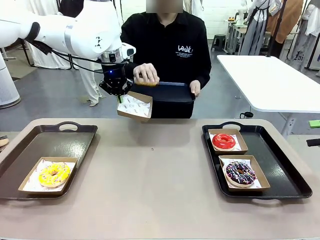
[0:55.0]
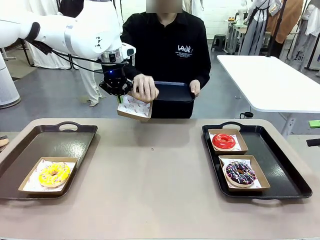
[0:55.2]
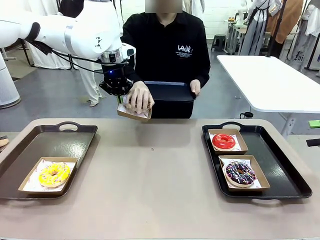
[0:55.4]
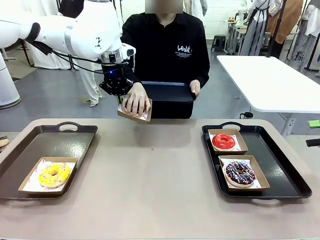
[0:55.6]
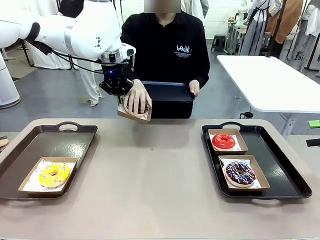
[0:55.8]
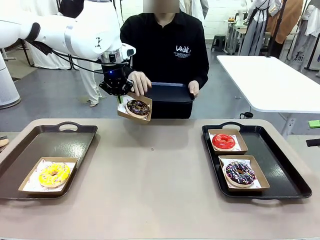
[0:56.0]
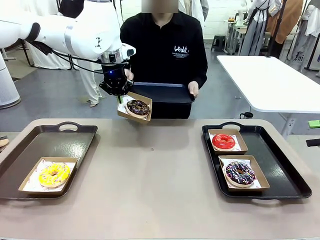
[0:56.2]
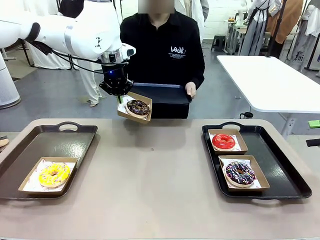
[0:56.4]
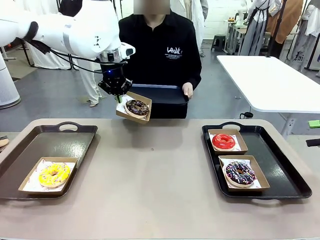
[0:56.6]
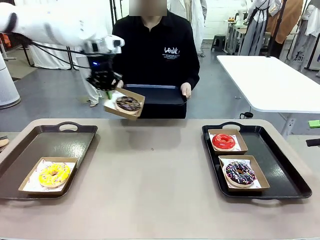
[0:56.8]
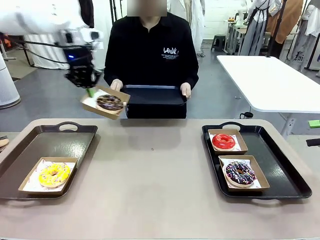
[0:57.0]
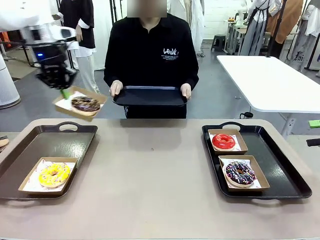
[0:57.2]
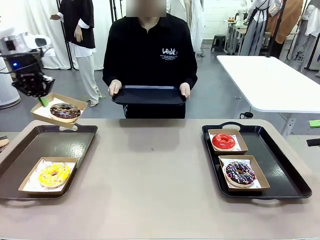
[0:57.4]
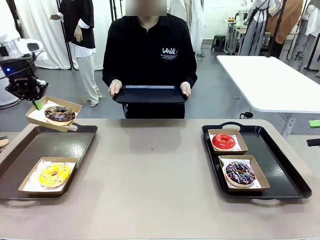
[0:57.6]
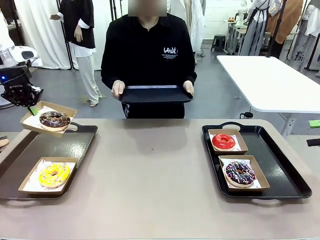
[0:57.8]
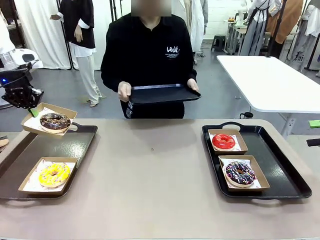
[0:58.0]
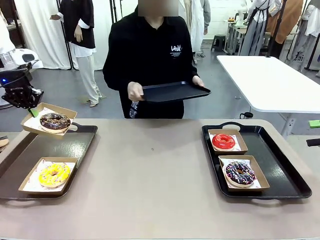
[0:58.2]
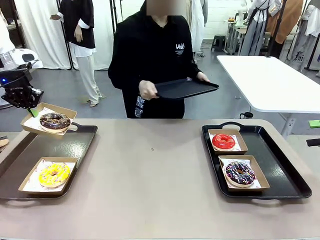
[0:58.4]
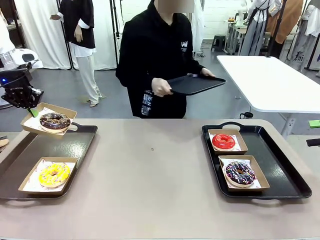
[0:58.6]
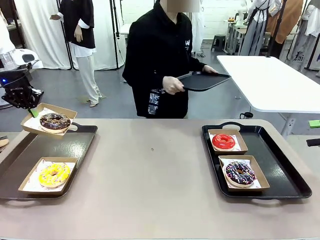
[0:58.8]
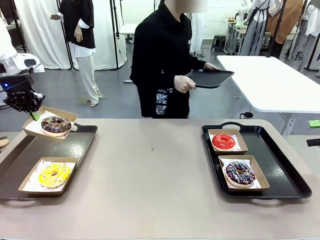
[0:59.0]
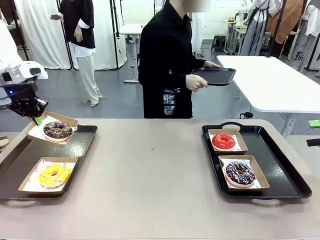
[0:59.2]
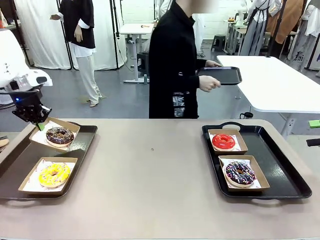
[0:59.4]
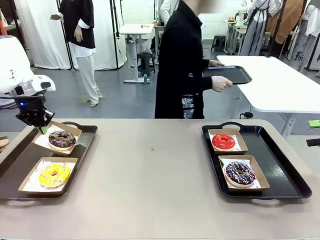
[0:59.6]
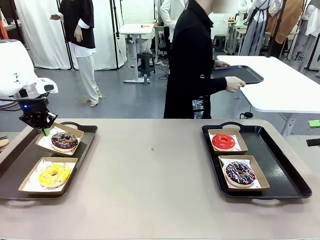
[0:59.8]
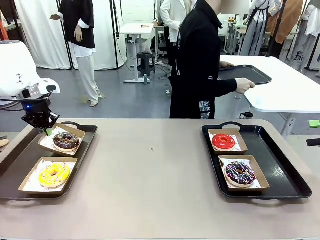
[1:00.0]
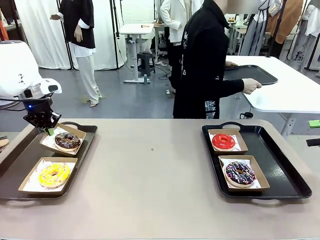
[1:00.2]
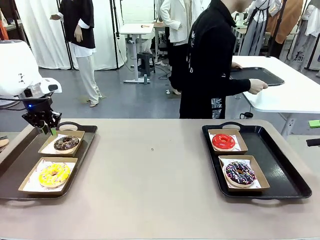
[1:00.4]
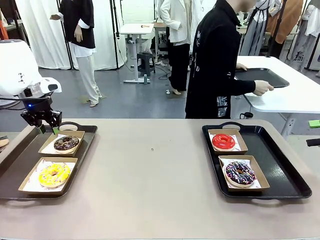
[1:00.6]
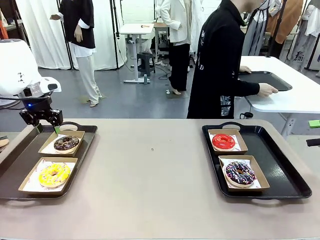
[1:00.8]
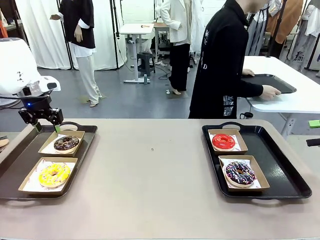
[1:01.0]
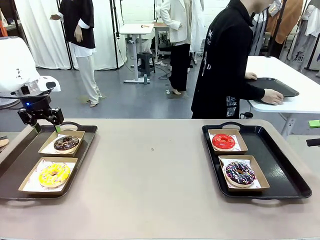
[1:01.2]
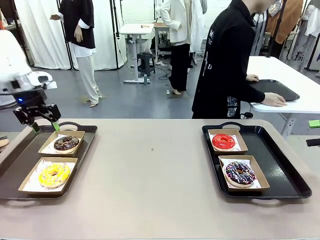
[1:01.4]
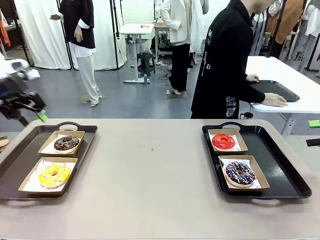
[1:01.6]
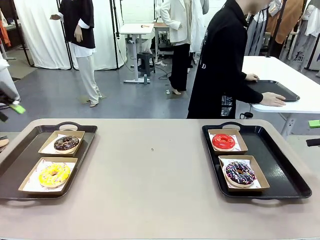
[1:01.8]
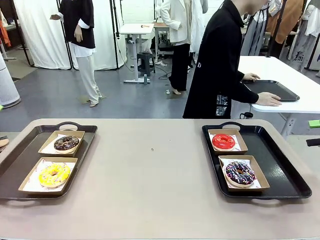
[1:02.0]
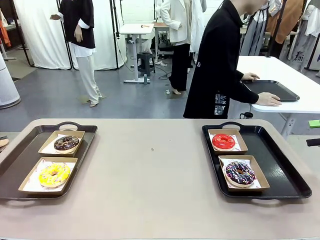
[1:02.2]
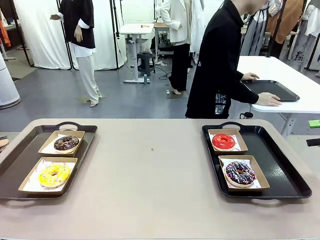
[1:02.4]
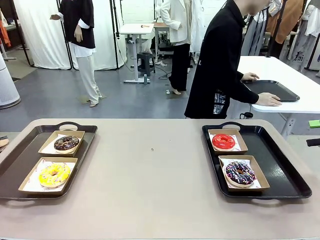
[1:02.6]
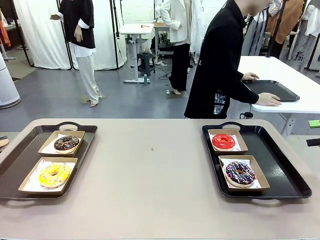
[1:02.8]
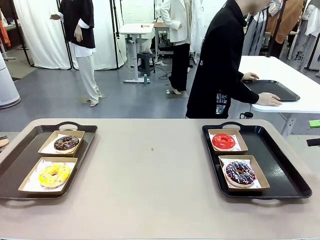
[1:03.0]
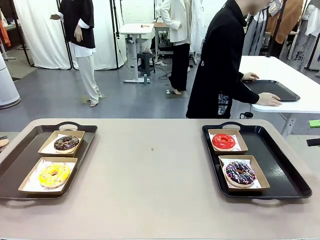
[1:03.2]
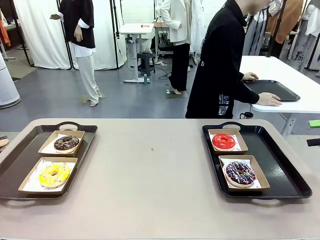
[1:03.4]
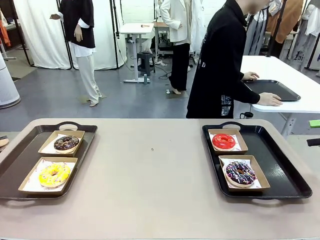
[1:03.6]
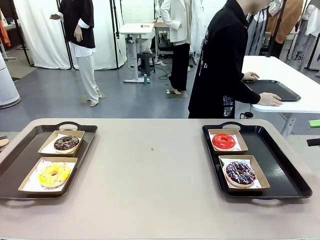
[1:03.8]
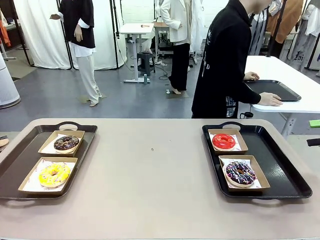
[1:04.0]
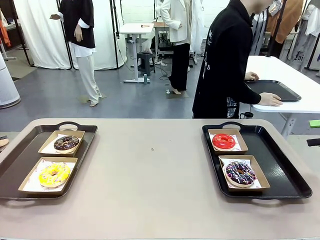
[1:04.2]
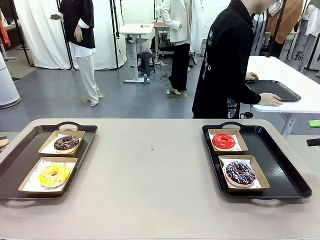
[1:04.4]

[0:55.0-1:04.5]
Task: Individually package the donuts and arrange them on the tray.
Robot: Place the picked Paper togo box on the Handle tray.
Person: Place the tray down in the middle of the human table.

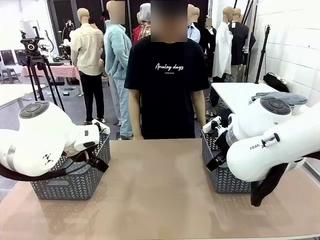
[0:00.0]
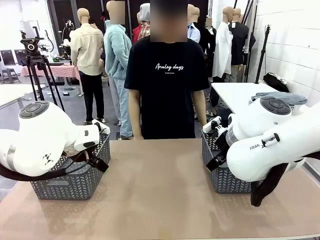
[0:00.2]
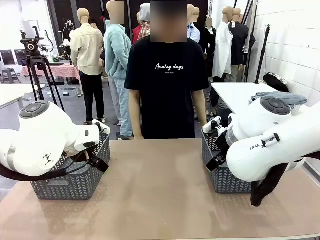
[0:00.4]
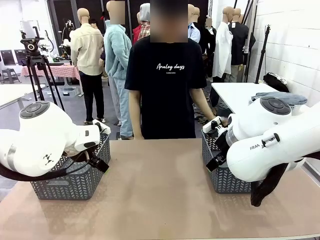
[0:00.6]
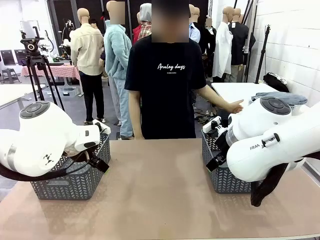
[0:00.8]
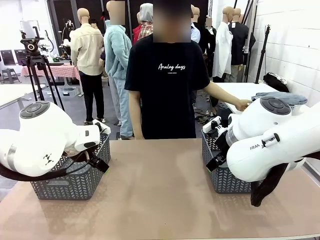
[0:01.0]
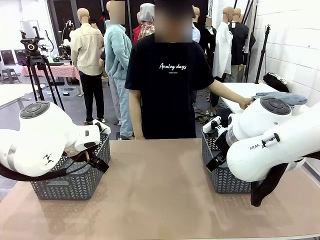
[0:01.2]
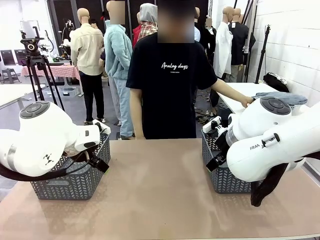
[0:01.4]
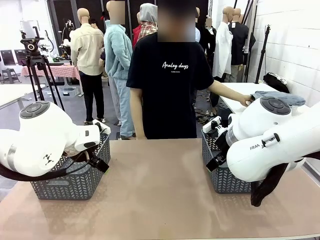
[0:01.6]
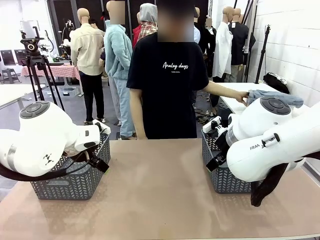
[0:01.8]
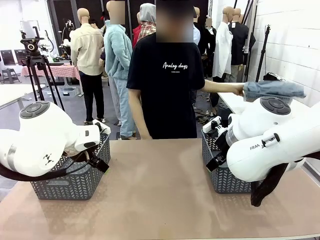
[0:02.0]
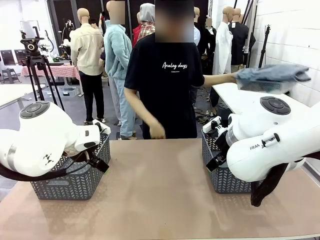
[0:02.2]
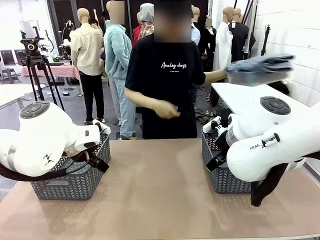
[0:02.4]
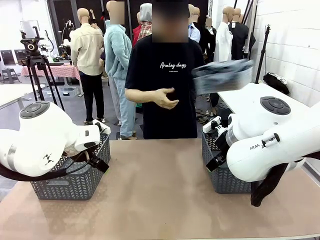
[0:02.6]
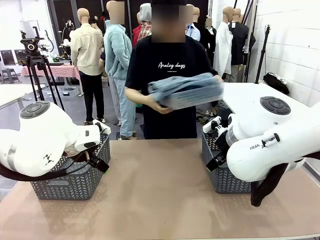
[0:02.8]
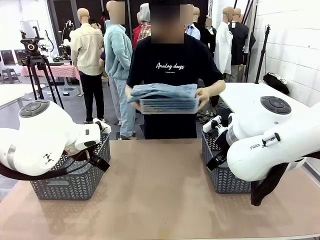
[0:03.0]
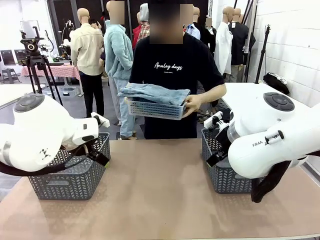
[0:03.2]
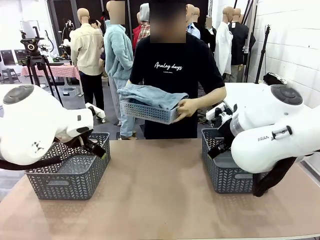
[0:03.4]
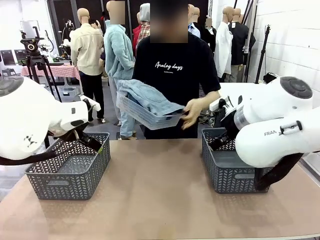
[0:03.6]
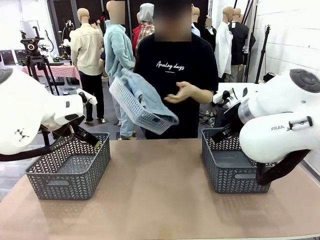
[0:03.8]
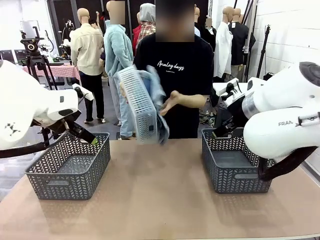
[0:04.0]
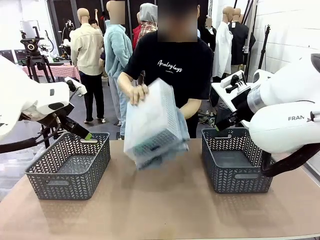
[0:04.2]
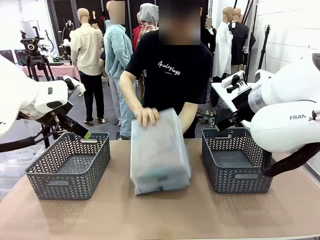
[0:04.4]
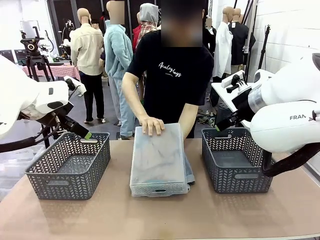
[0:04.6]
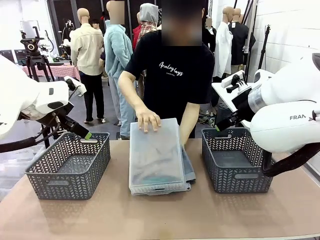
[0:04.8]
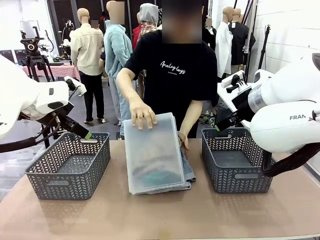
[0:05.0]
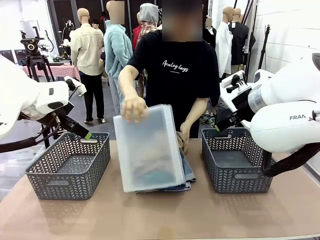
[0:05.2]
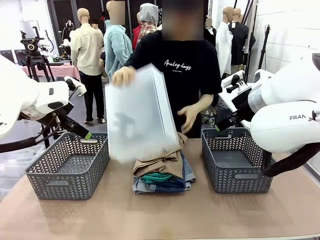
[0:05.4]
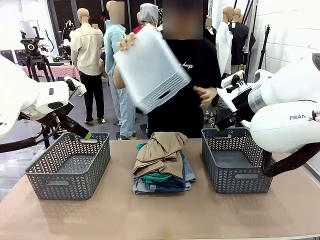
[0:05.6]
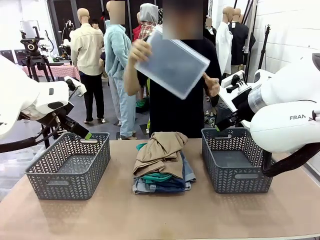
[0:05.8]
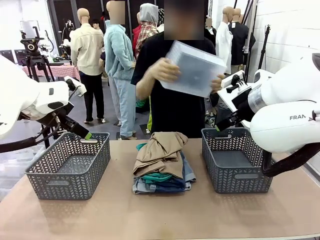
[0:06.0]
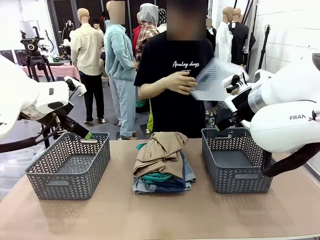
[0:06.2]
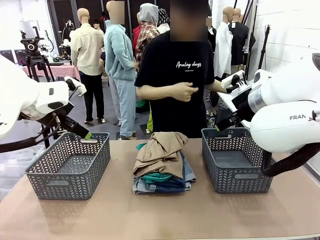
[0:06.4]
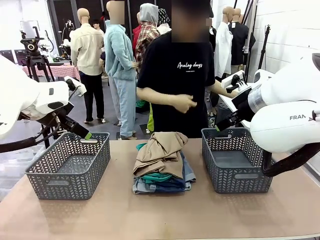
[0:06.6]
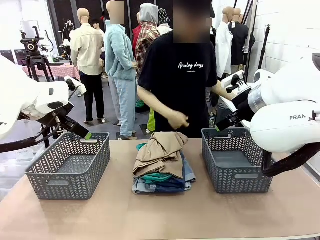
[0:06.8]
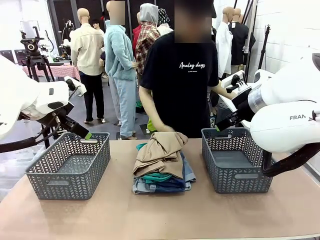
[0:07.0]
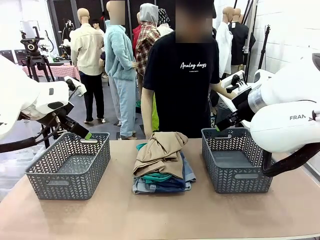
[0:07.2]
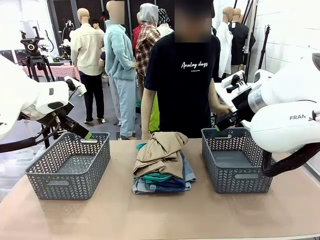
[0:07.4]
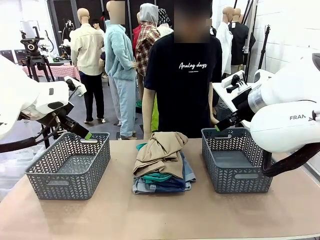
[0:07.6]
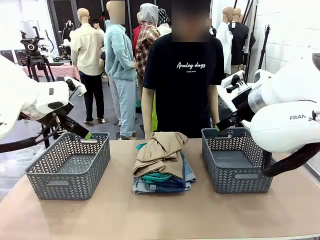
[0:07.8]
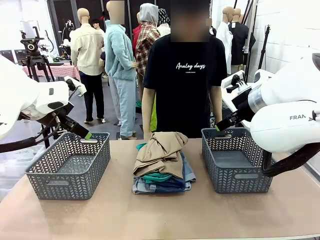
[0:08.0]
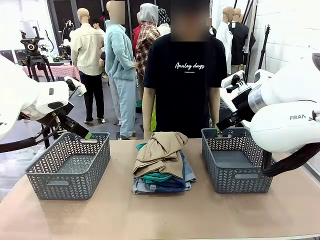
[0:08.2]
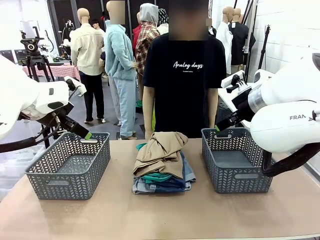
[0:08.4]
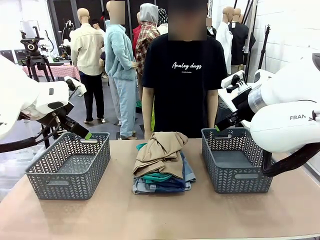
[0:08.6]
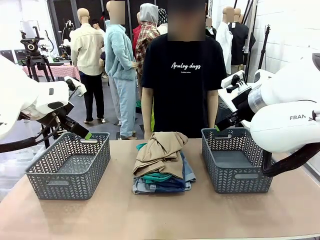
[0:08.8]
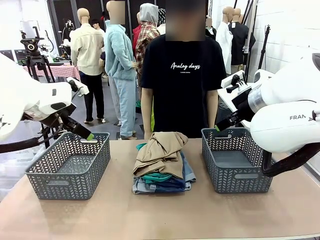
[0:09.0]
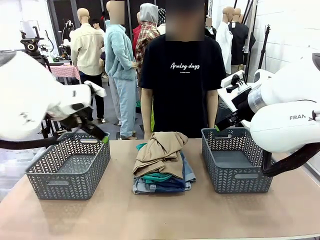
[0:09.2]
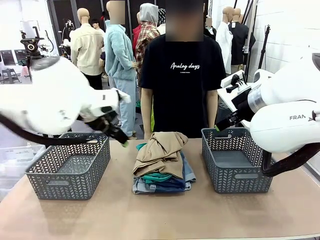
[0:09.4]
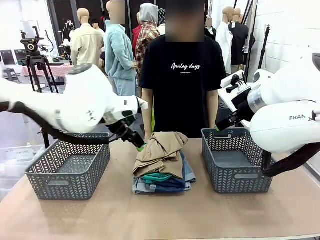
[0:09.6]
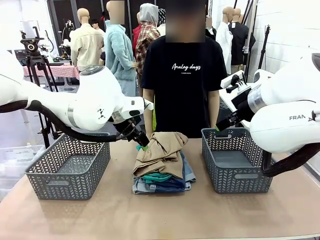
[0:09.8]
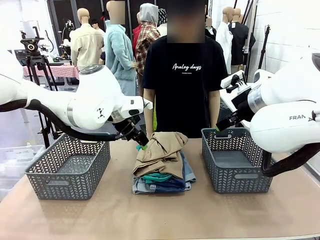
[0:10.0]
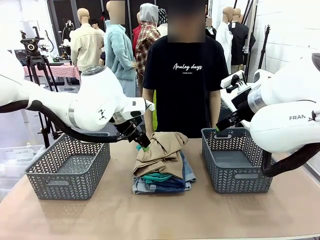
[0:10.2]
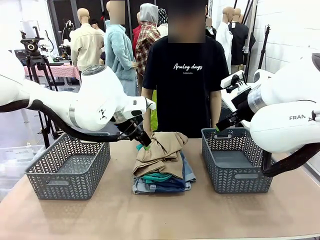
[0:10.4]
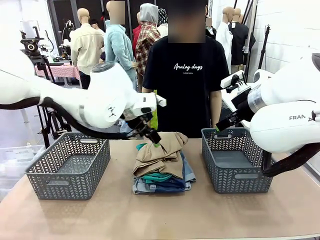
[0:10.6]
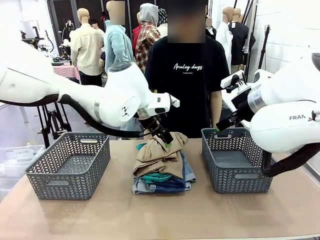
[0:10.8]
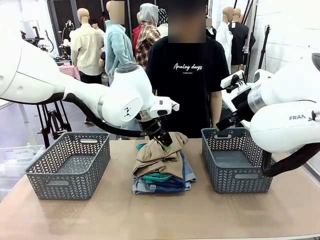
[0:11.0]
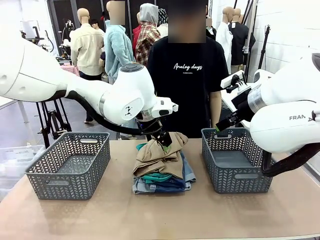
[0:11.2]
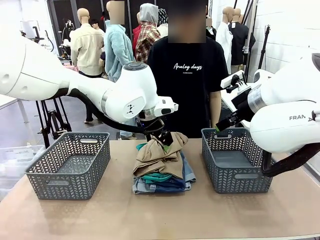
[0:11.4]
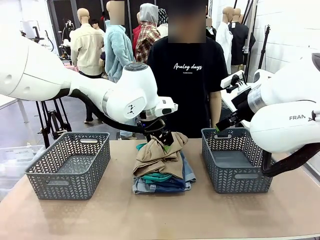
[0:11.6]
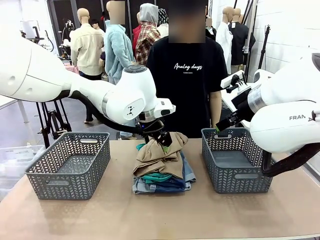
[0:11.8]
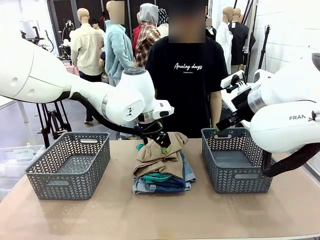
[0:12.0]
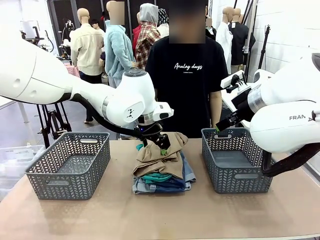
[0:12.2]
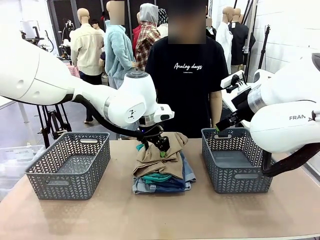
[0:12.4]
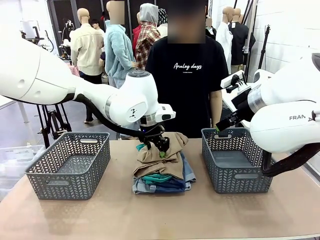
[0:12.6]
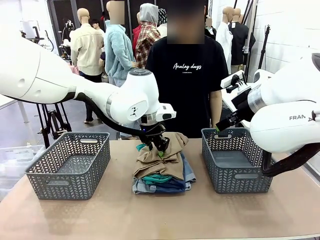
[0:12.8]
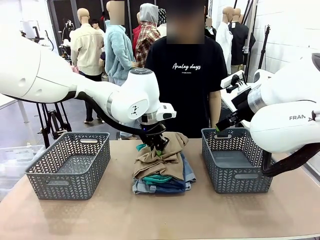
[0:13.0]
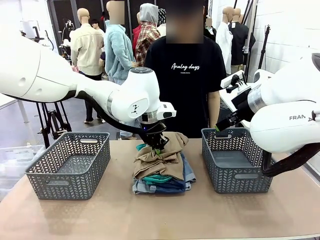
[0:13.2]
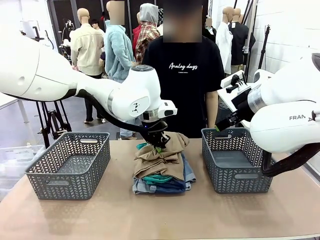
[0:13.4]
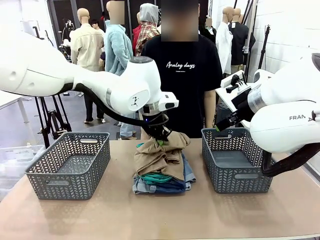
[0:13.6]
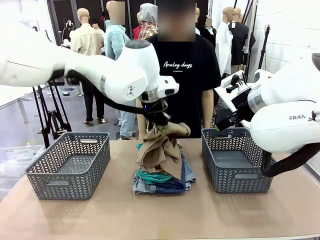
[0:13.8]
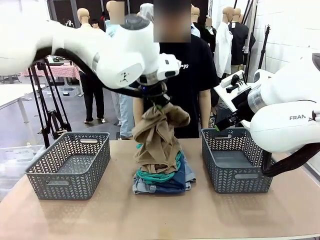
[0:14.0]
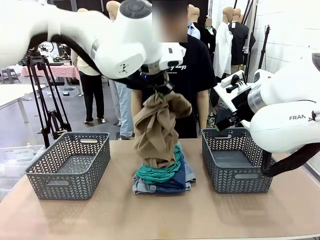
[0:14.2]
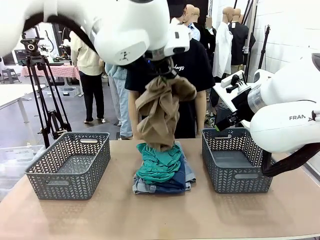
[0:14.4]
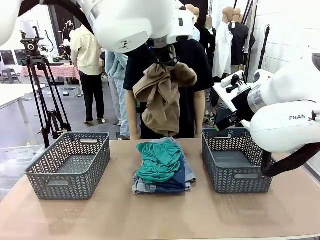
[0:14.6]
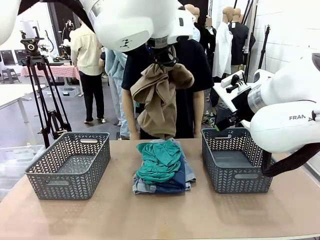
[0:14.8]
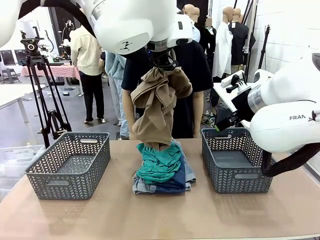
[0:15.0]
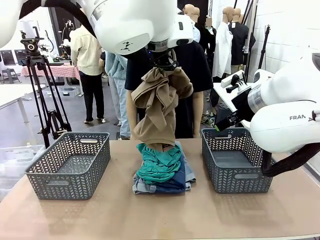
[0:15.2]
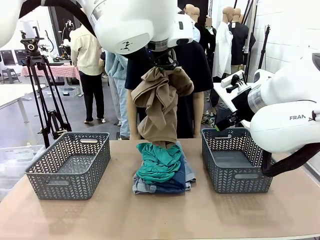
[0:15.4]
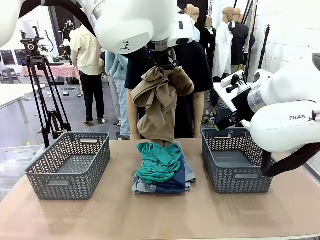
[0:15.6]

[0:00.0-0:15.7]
Task: Sort the tops and bottoms.
Robot: Lift clothes from the center of the table with your left hand.
Person: Pour the clothes from the basket onto the center of the robot table.
